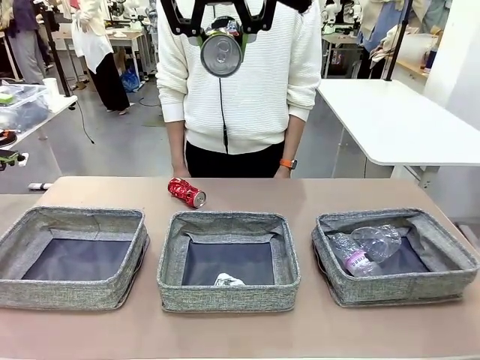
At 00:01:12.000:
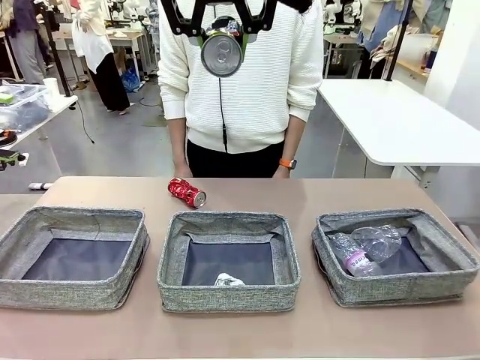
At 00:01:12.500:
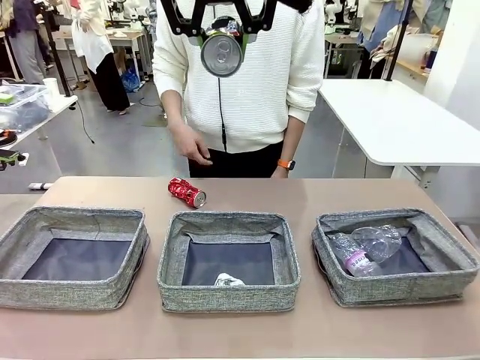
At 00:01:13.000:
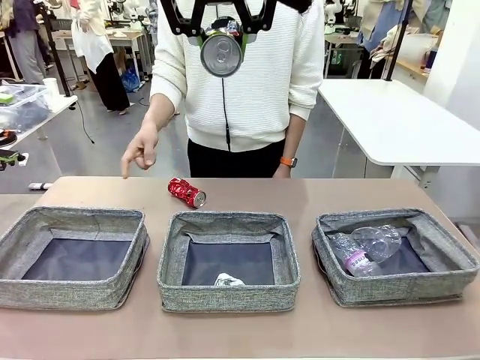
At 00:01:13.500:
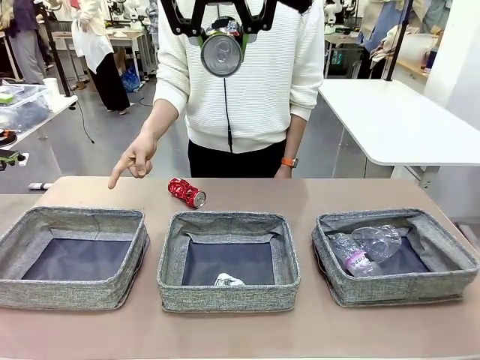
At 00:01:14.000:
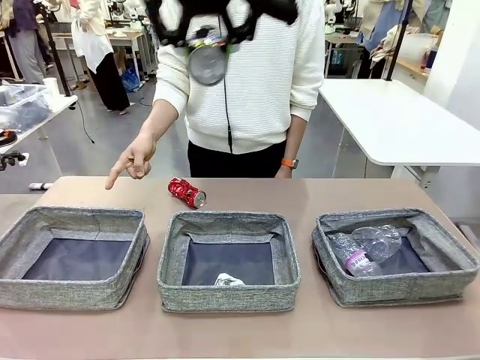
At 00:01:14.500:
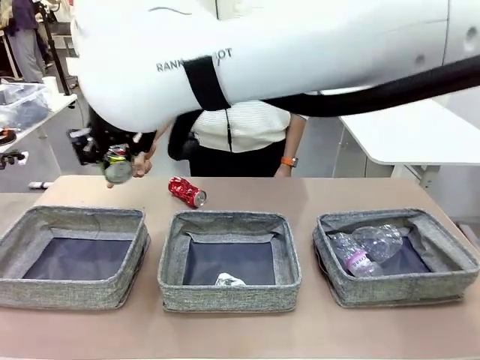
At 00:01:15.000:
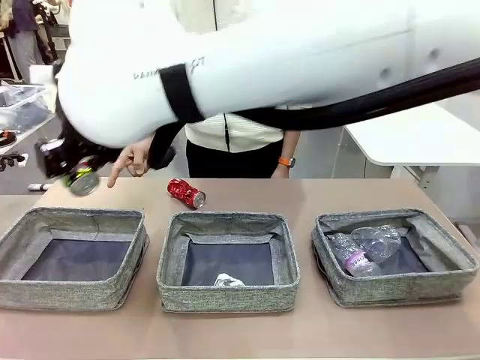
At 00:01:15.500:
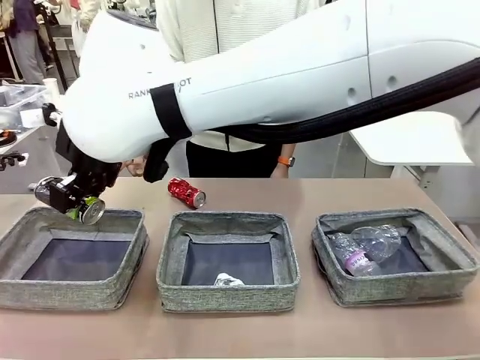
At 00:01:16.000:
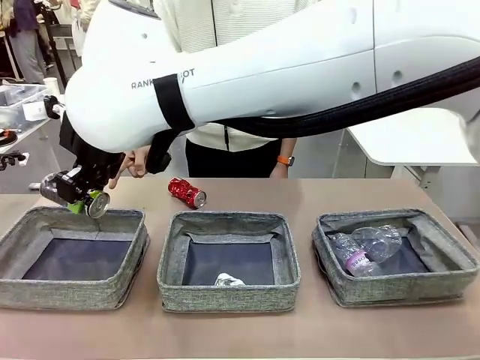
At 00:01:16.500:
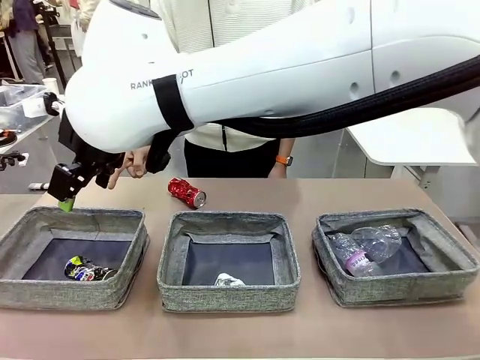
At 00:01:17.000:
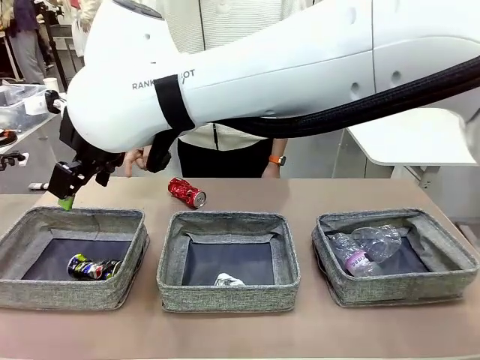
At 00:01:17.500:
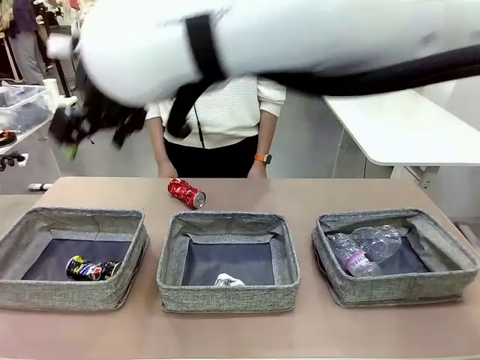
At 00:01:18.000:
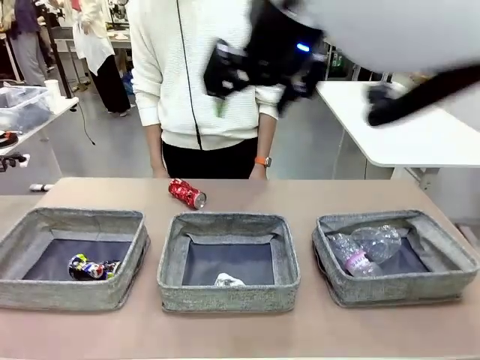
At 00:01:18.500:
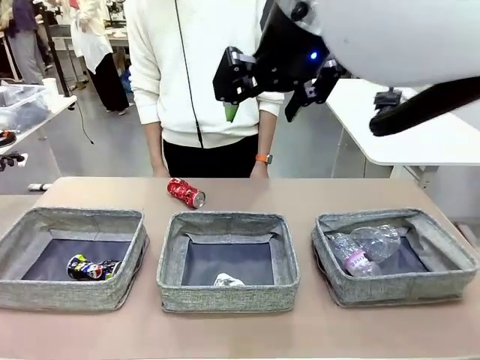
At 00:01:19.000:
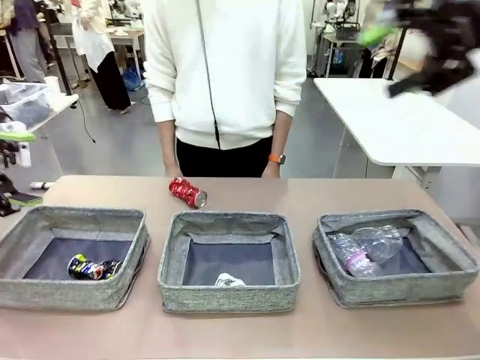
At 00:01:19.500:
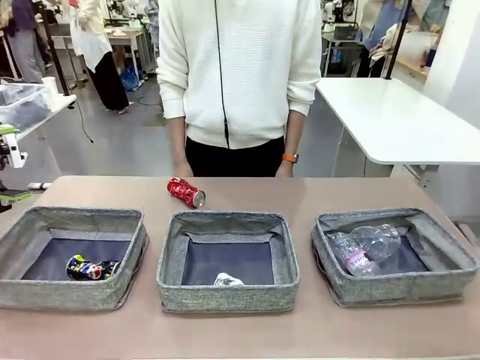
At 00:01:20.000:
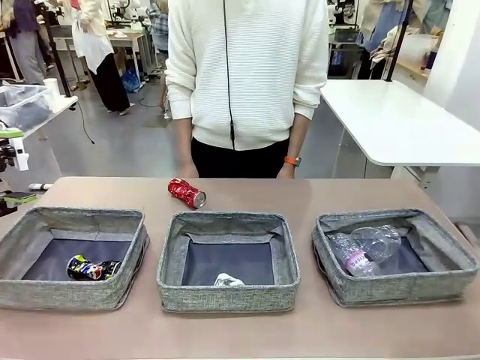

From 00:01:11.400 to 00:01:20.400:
Task: Sort the waste into the appropriate baskets.
Robot: Place the picked waste into the Fabric basket indicated by the person.
Person: Instructs the robot to place the picked-up trash into the appropriate organizing basket.

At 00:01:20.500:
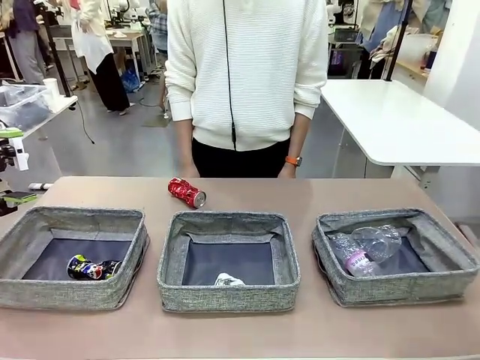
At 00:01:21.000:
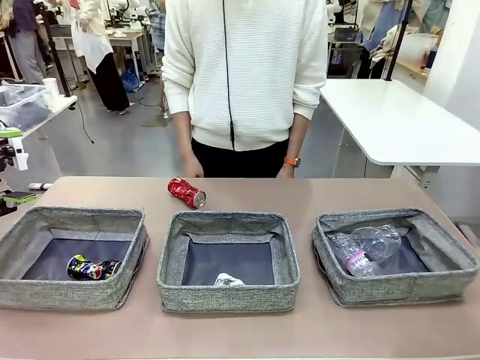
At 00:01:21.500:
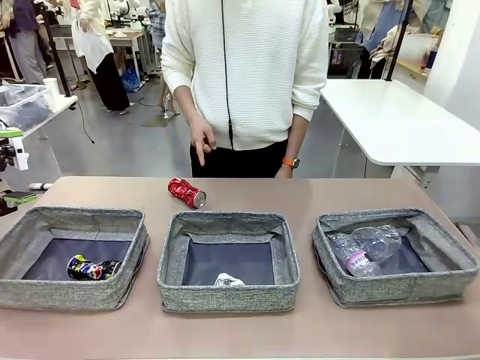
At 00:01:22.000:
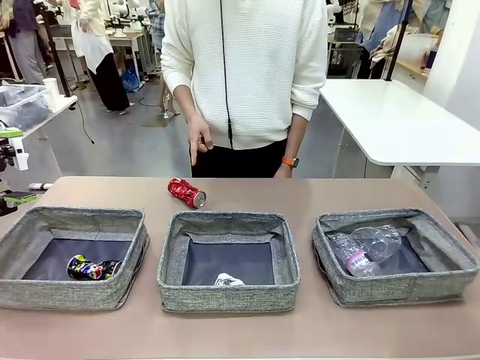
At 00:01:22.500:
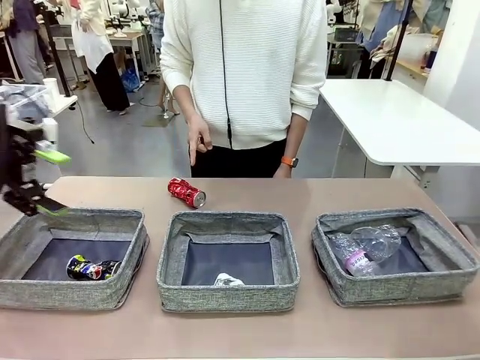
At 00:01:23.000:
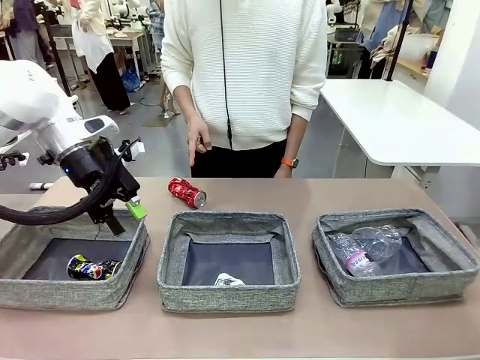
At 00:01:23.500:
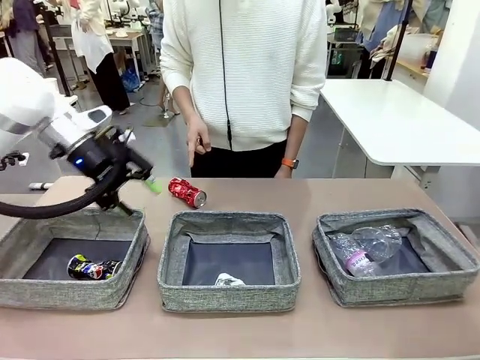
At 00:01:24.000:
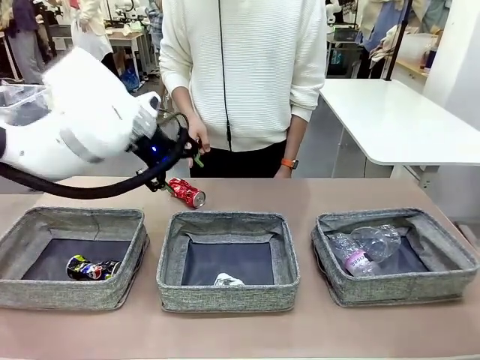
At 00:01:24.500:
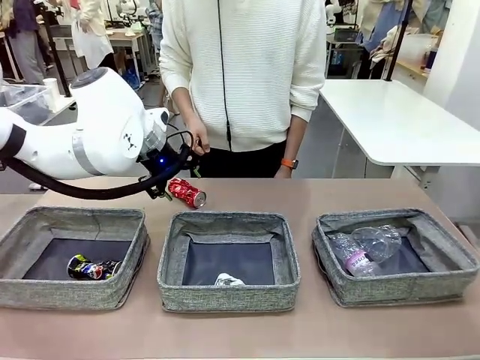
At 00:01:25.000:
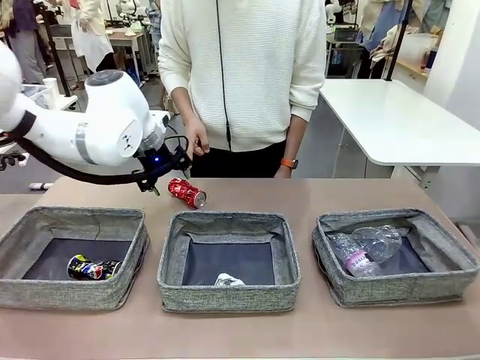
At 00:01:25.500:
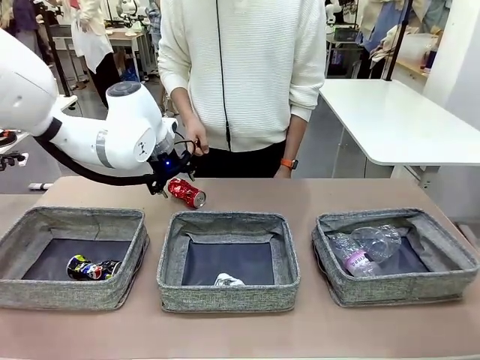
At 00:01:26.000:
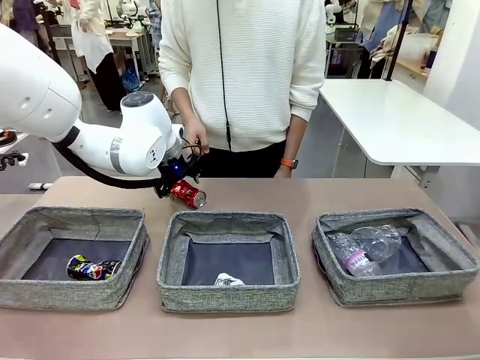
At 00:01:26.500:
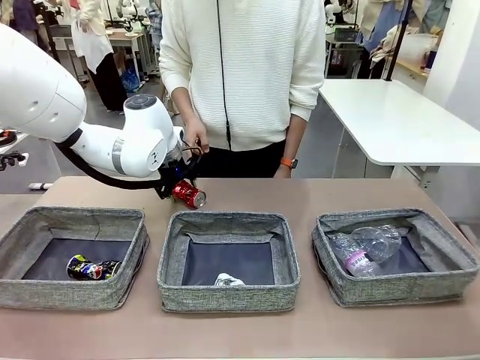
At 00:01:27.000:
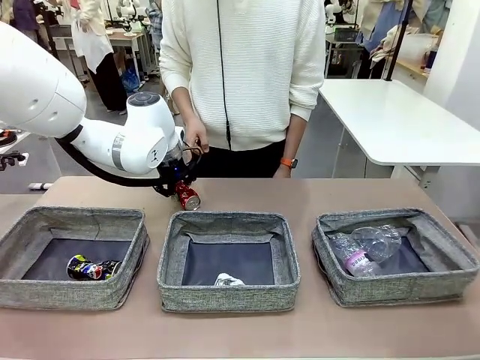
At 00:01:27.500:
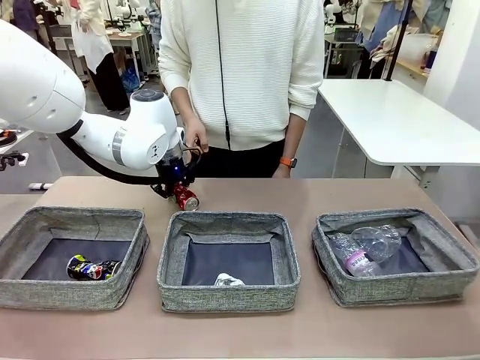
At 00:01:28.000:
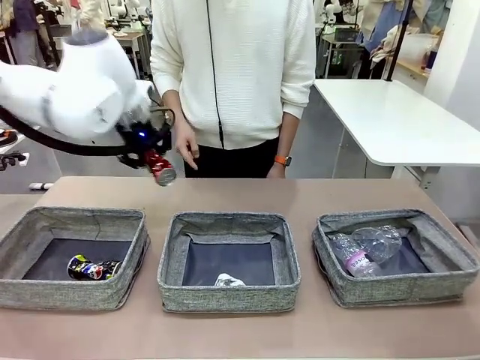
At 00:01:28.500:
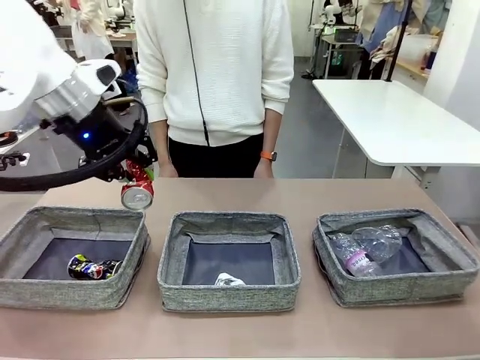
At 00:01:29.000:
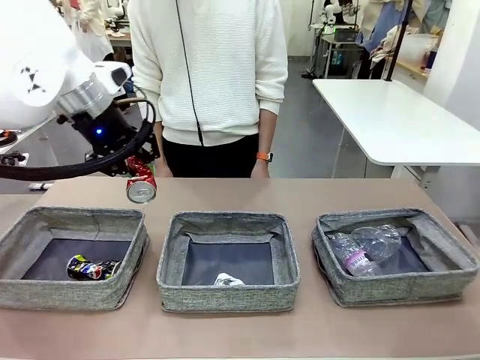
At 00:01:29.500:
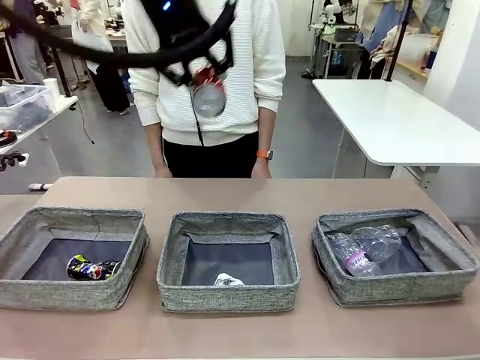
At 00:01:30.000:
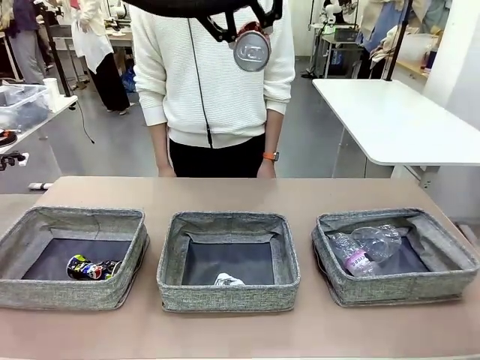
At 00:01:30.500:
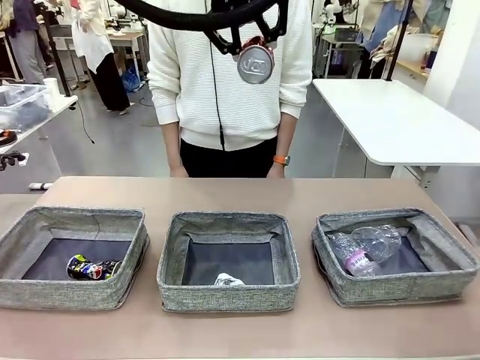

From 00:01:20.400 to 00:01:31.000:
Robot: Pick up the waste item pointed out by the person.
Person: Points to one piece of trash on the table.

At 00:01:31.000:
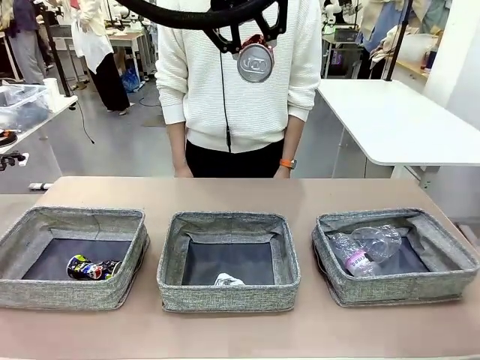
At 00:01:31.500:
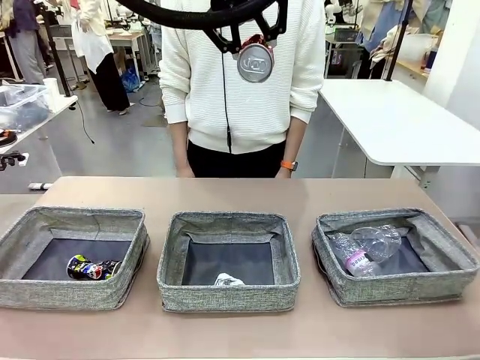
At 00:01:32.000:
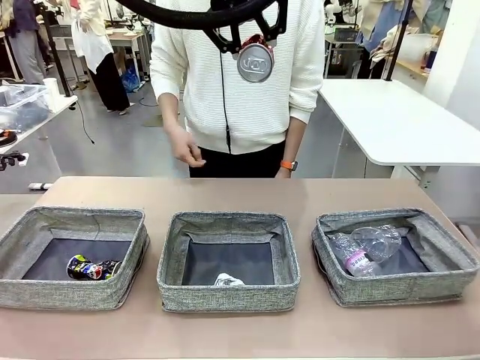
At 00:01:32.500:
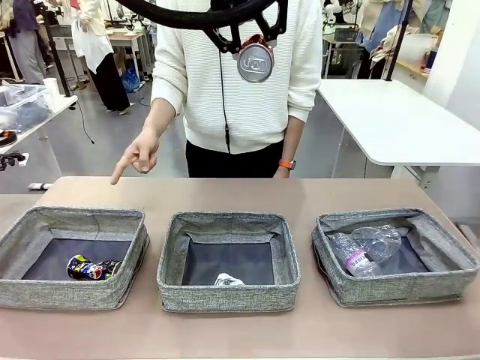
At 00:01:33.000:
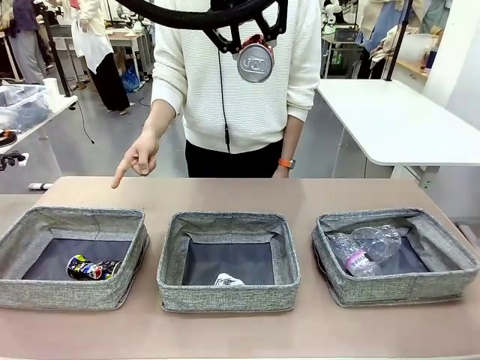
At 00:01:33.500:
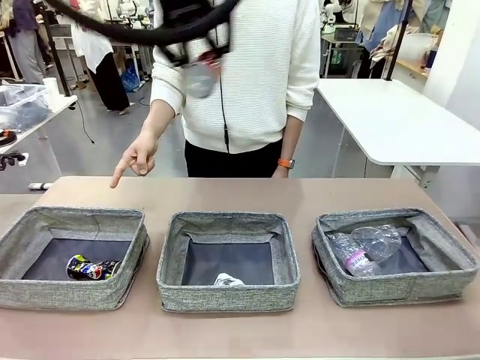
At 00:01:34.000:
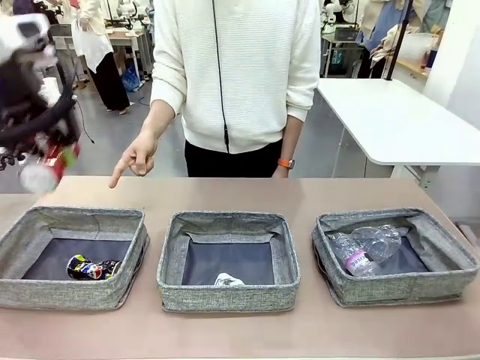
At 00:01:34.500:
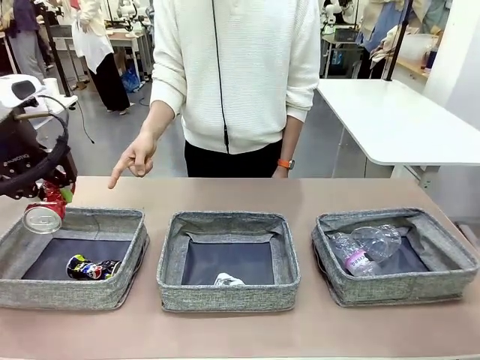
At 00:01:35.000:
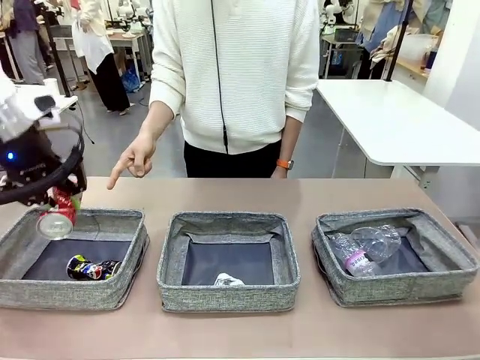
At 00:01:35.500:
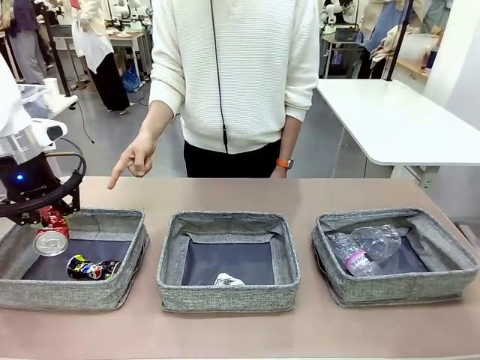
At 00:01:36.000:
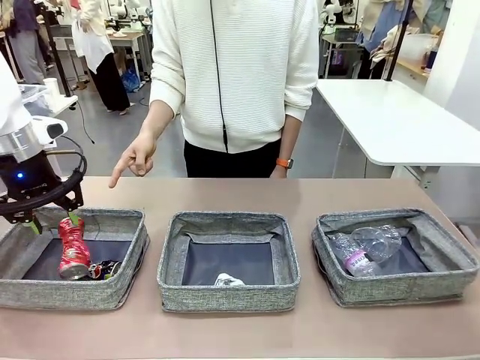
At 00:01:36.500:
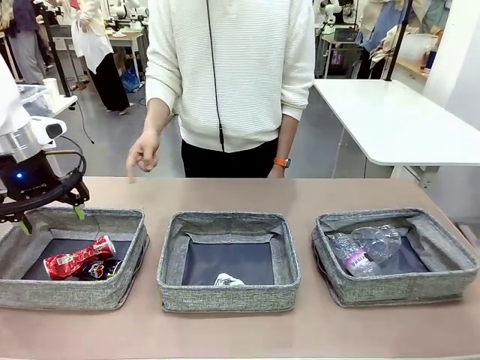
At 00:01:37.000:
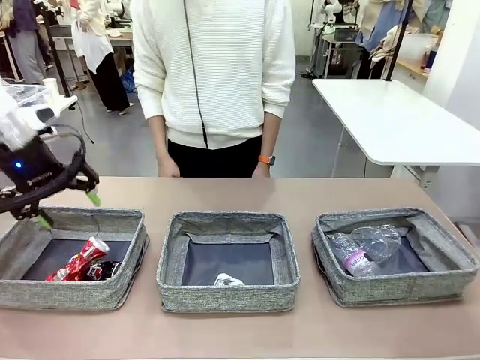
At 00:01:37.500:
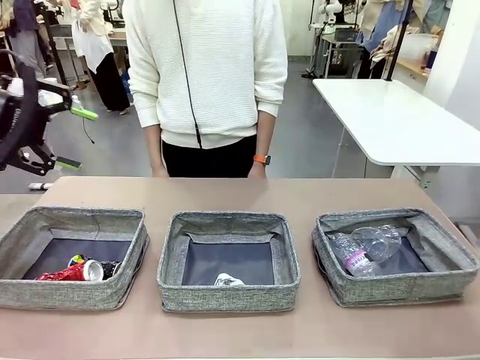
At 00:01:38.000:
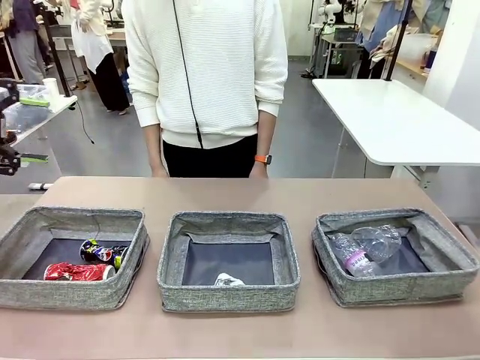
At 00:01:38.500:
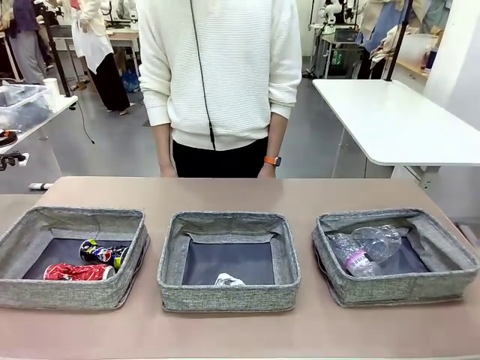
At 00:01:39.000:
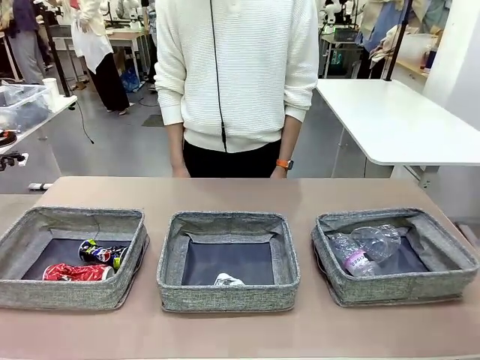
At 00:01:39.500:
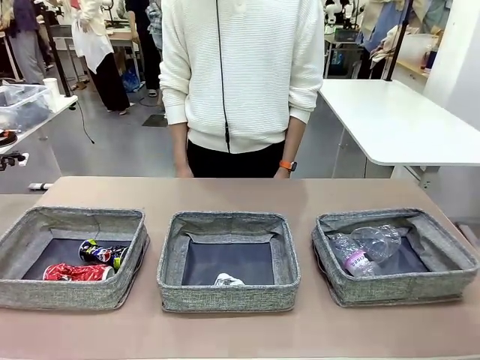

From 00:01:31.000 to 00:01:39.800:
Robot: Place the picked waste into the Fabric basket indicated by the person.
Person: Instructs the robot to place the picked-up trash into the appropriate organizing basket.
